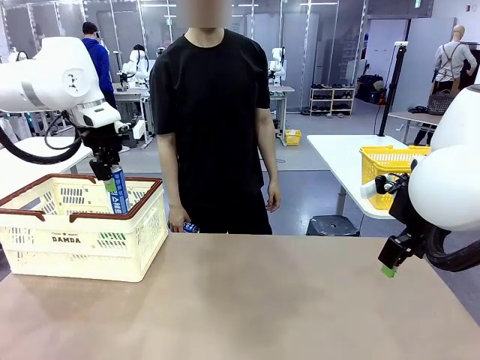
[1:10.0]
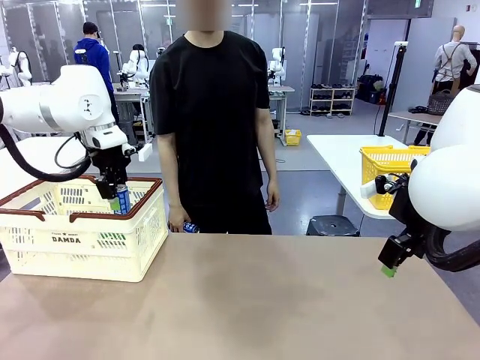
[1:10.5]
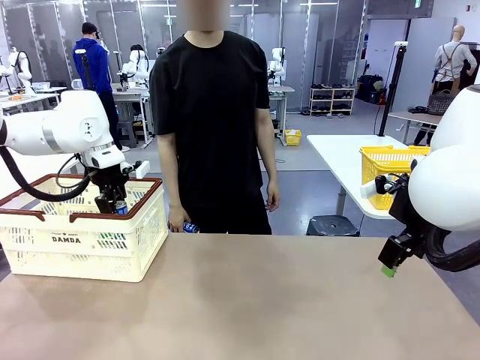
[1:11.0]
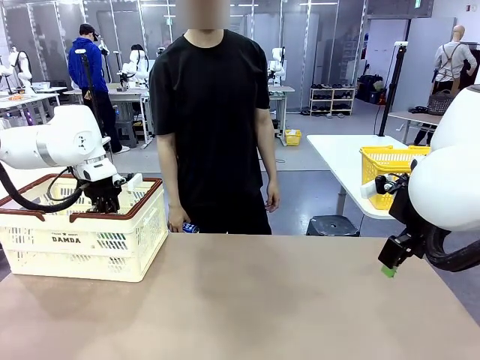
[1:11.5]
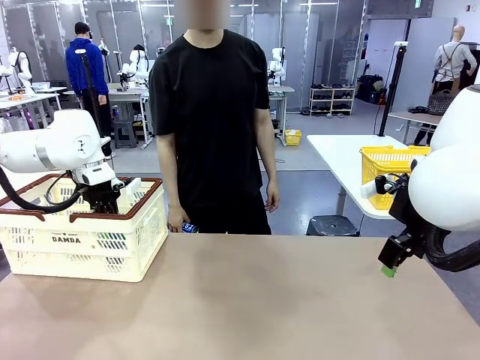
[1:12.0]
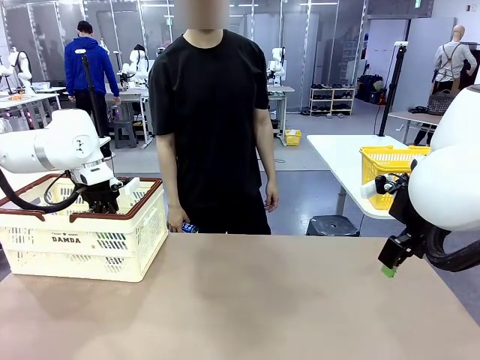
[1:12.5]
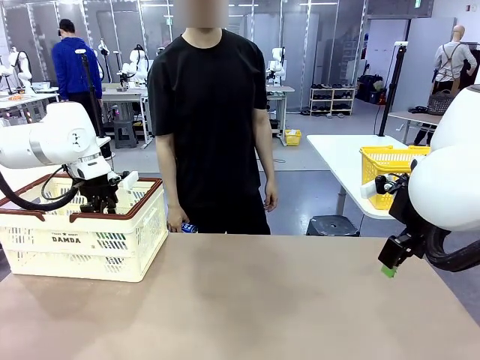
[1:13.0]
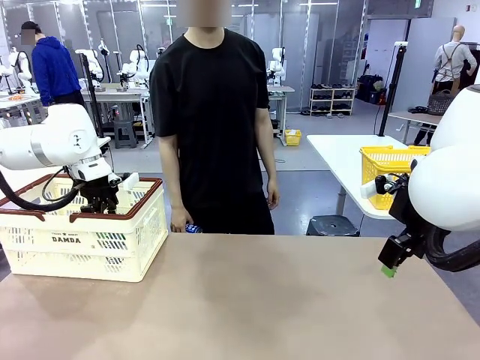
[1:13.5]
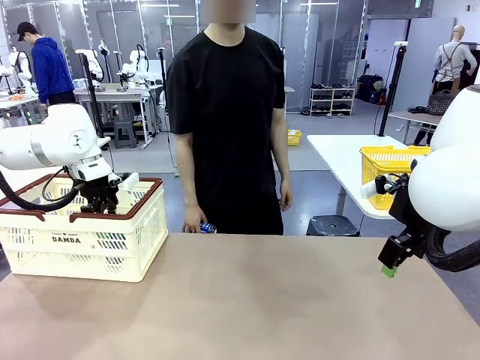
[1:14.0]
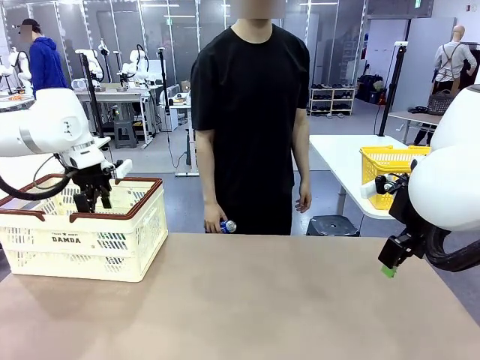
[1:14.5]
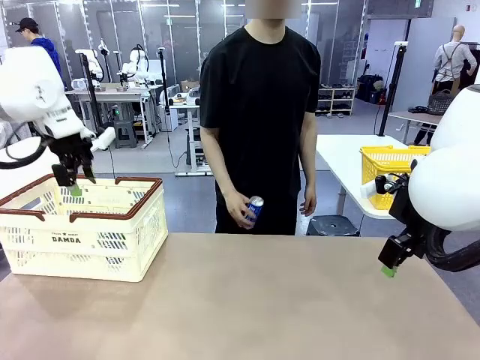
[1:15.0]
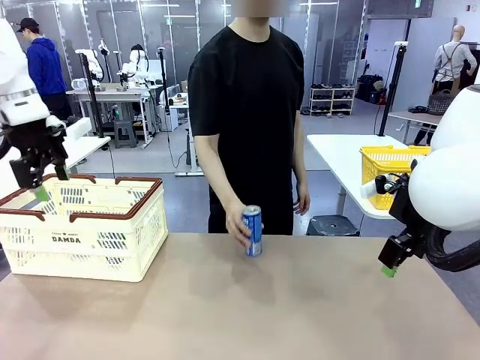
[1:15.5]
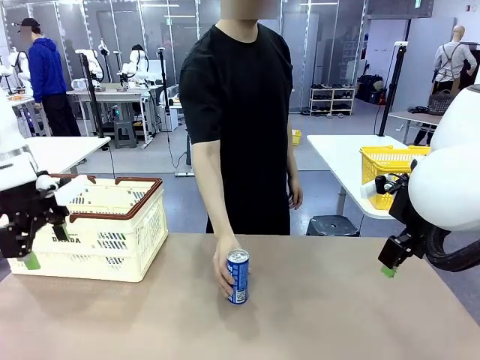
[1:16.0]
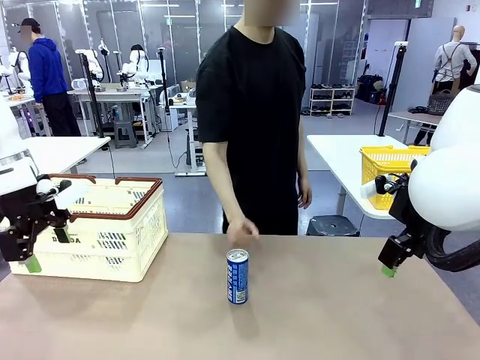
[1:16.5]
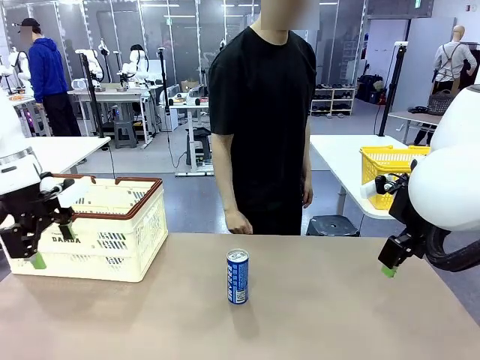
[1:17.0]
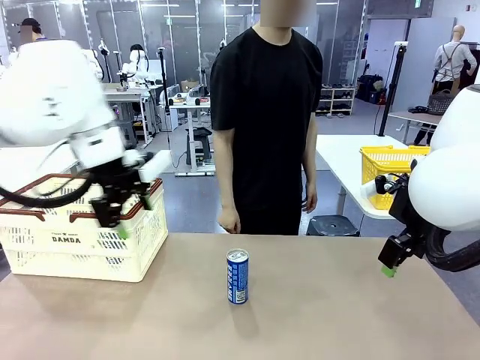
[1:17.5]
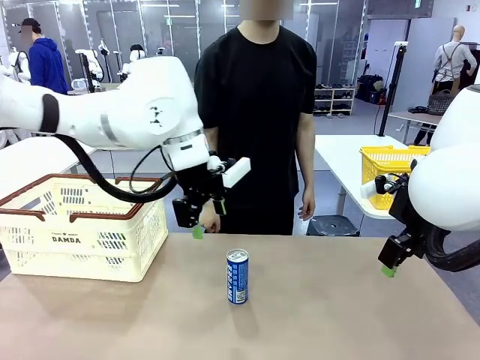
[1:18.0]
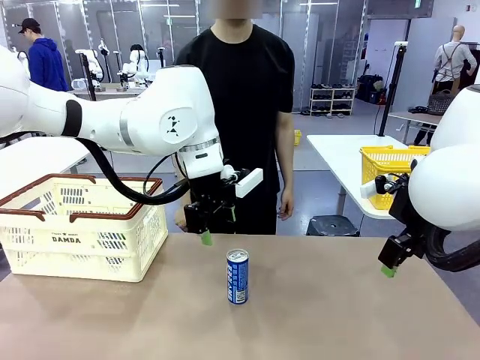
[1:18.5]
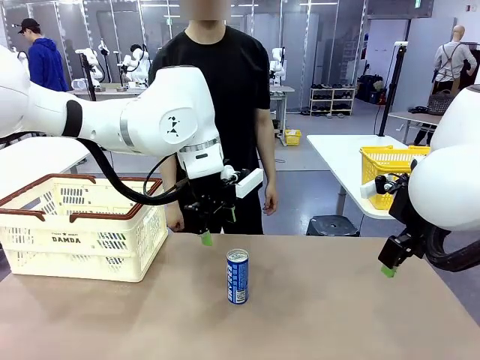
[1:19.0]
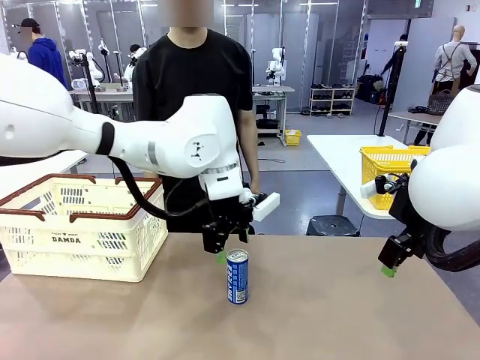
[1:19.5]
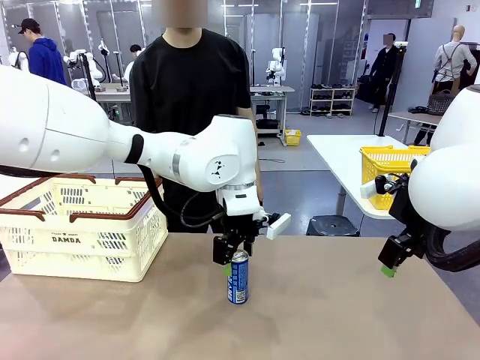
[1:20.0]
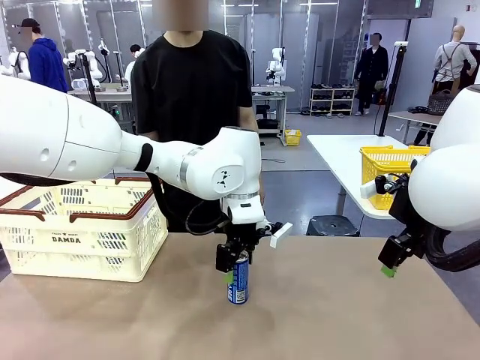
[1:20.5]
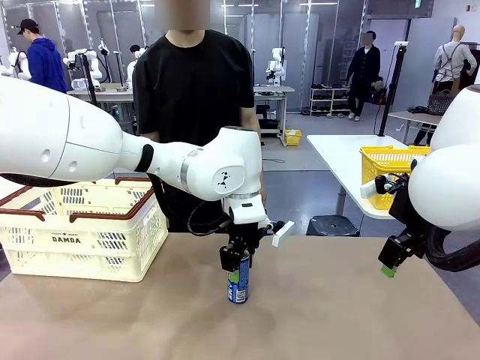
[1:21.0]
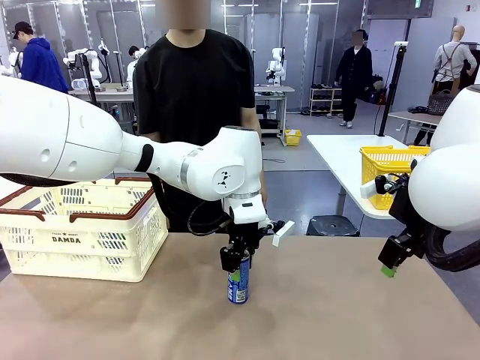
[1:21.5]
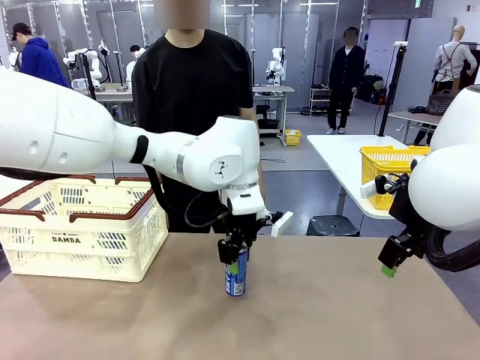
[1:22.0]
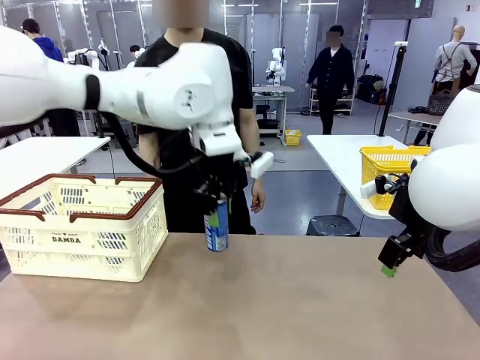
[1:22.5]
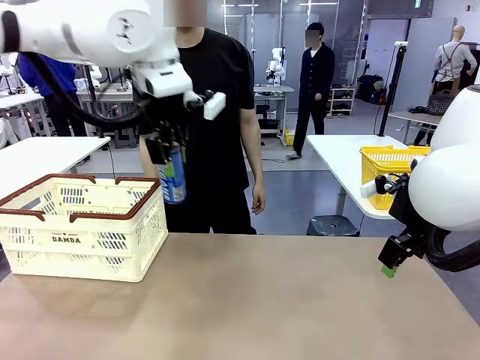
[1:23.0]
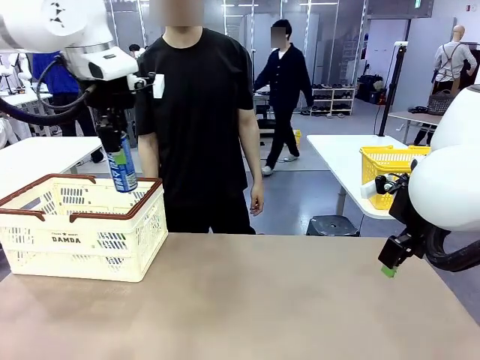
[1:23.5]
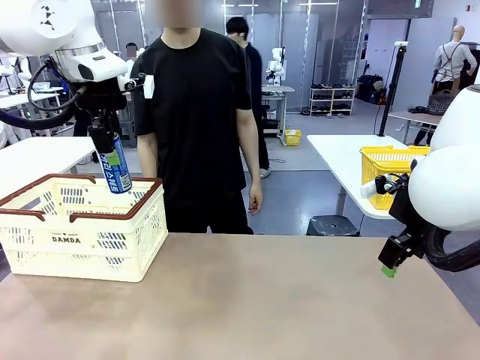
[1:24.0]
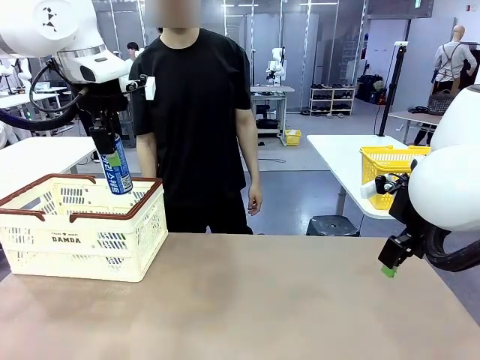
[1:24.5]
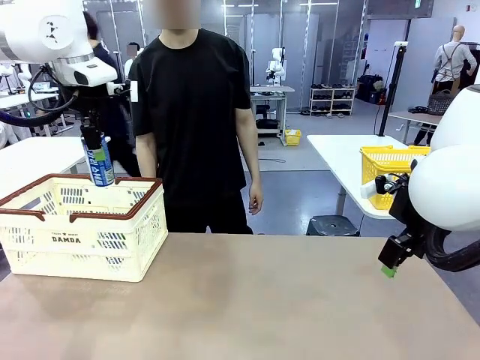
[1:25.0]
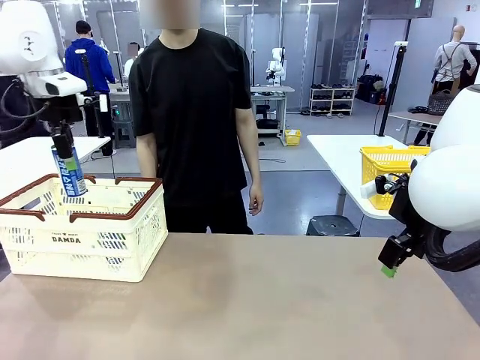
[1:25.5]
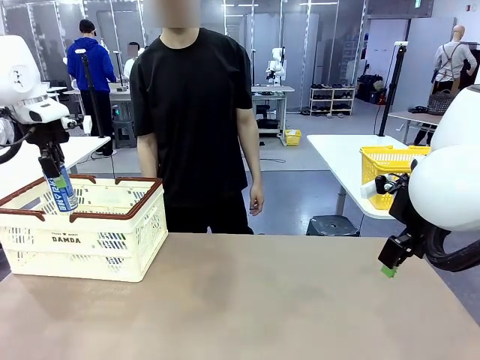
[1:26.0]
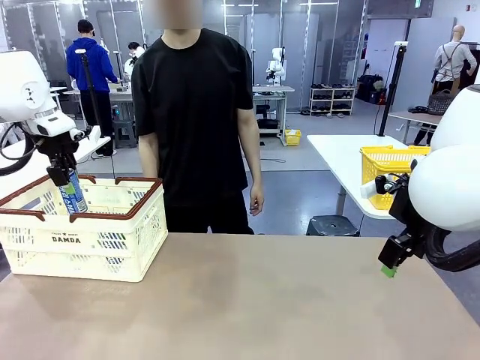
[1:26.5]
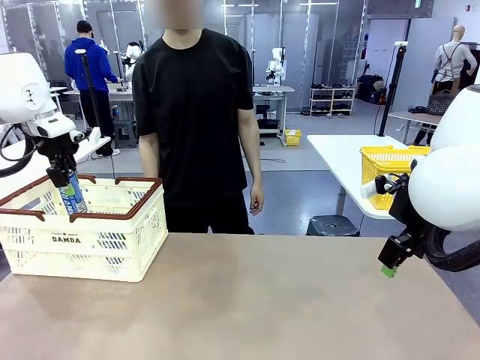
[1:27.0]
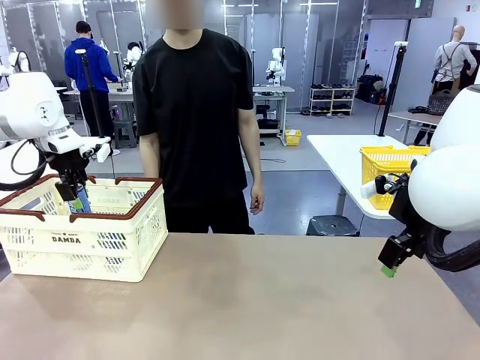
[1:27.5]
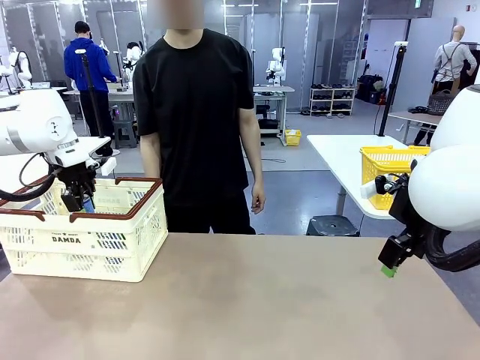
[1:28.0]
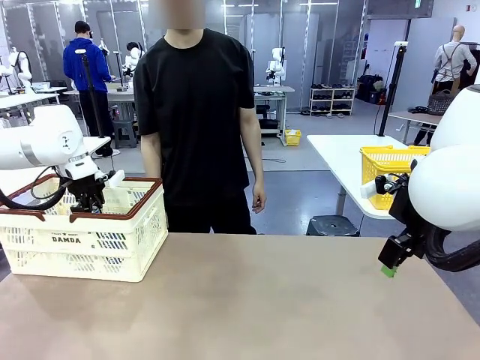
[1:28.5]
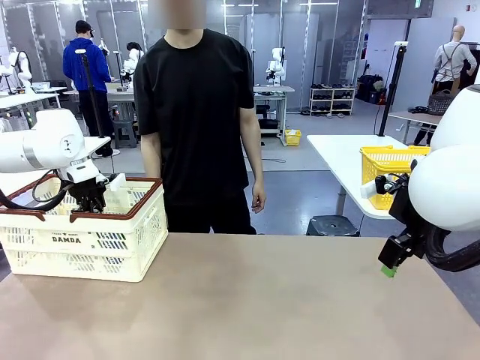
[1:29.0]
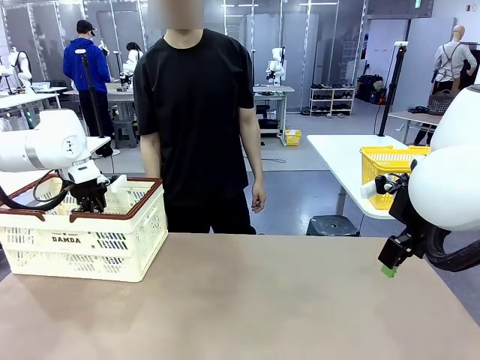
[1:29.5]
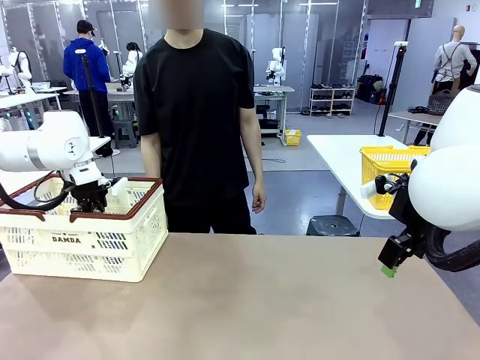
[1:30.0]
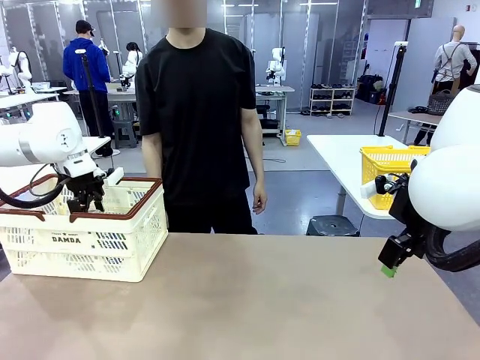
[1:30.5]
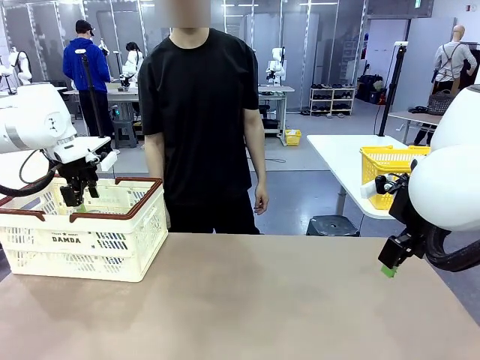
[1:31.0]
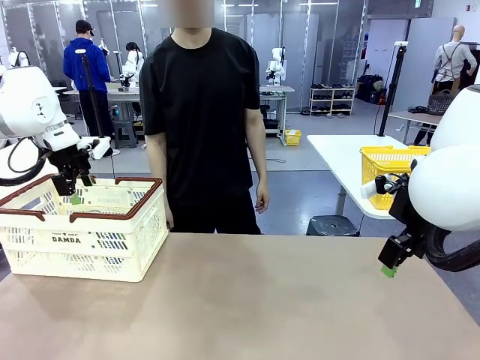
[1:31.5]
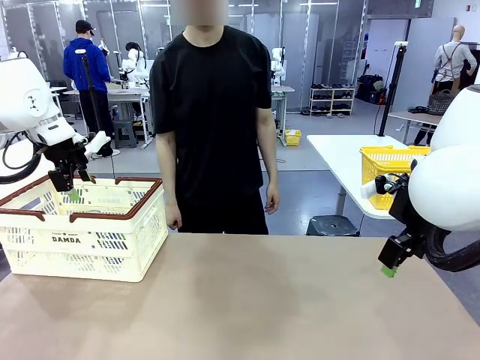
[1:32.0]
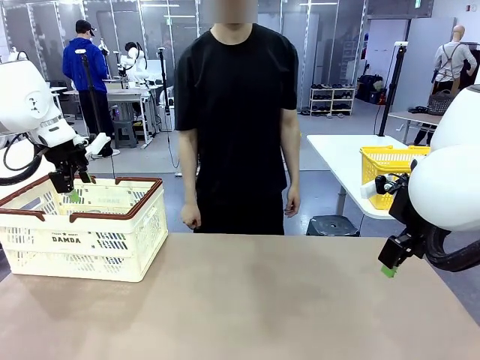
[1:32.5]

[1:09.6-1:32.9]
Task: Place the drinks into the Shopping basket.
Robot: Pick up one drink and place it into the Shopping basket.
